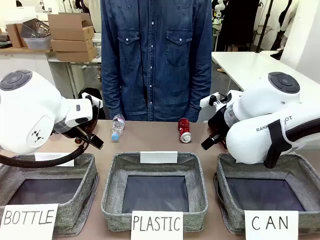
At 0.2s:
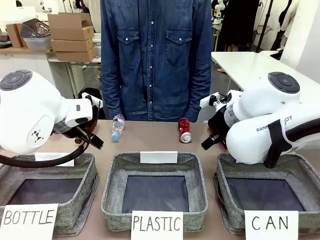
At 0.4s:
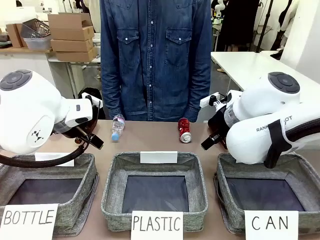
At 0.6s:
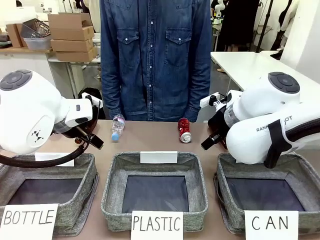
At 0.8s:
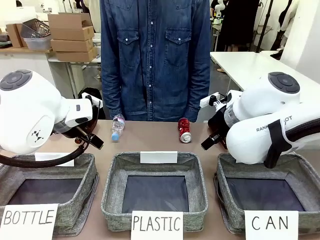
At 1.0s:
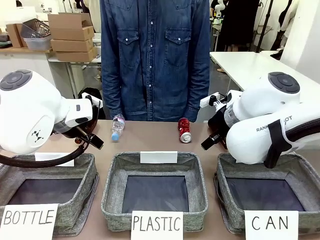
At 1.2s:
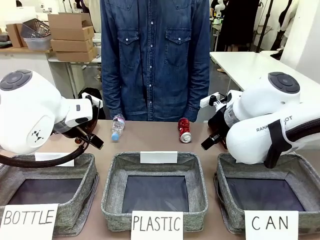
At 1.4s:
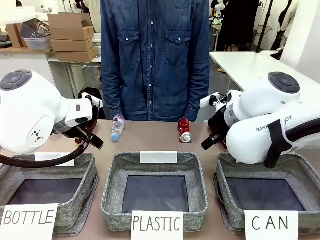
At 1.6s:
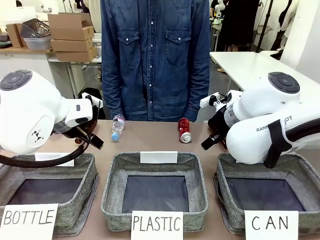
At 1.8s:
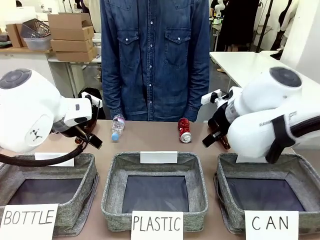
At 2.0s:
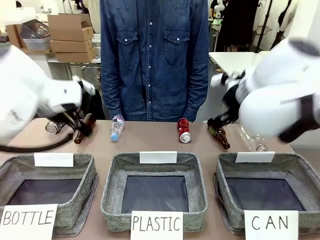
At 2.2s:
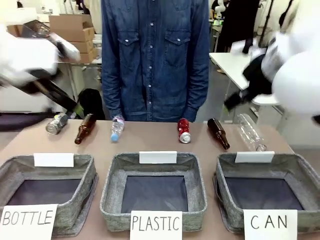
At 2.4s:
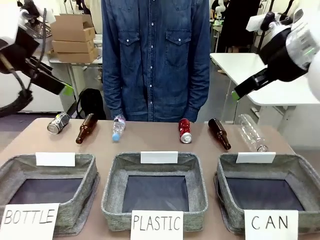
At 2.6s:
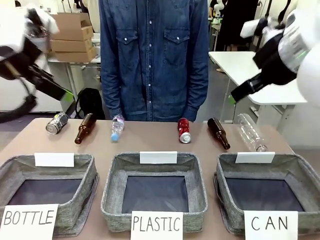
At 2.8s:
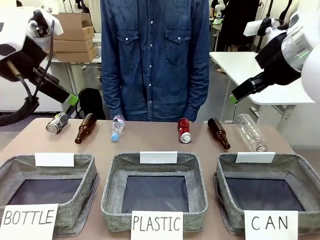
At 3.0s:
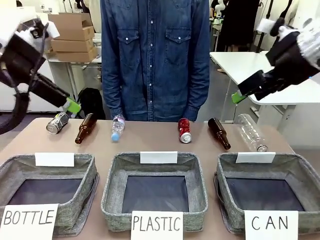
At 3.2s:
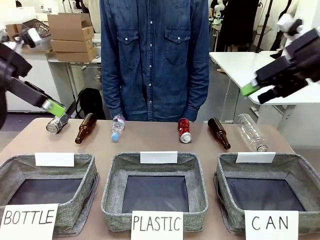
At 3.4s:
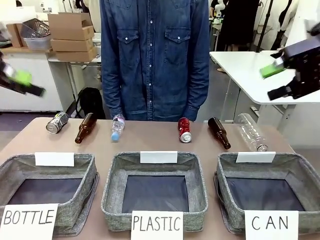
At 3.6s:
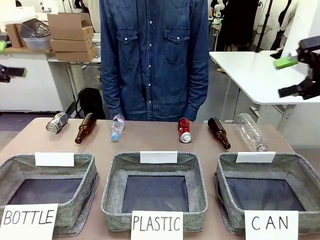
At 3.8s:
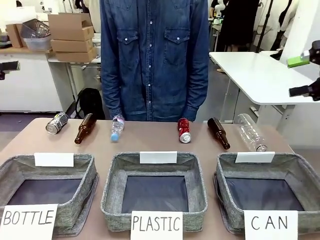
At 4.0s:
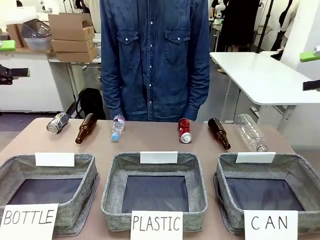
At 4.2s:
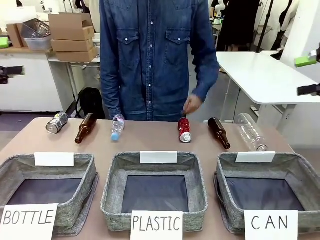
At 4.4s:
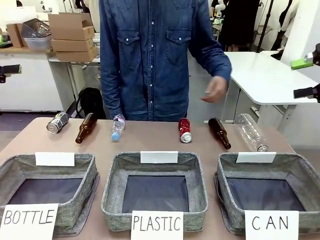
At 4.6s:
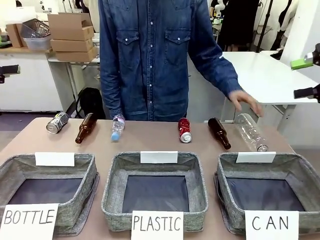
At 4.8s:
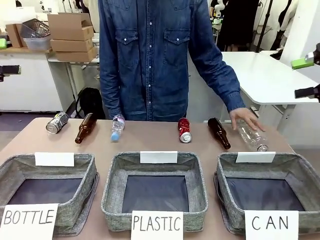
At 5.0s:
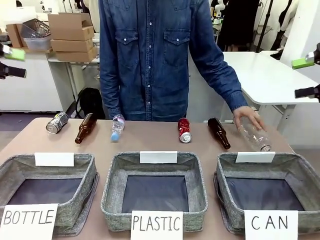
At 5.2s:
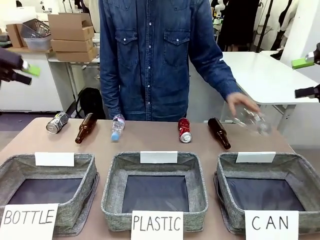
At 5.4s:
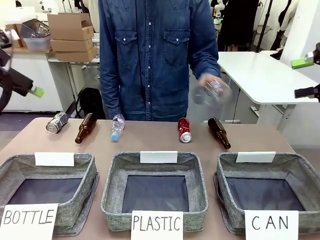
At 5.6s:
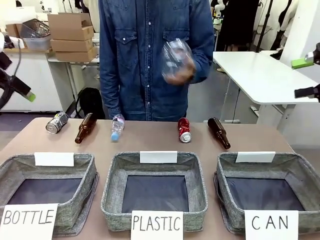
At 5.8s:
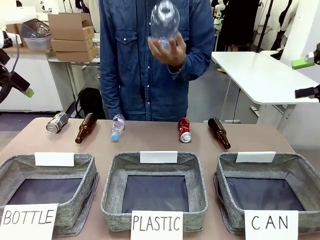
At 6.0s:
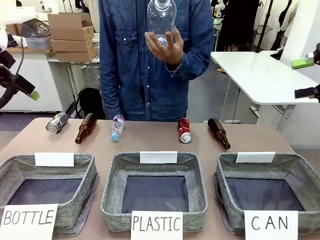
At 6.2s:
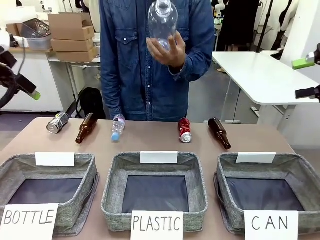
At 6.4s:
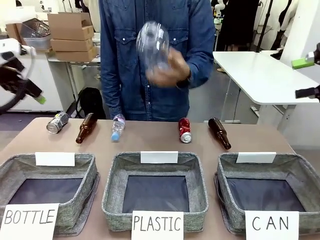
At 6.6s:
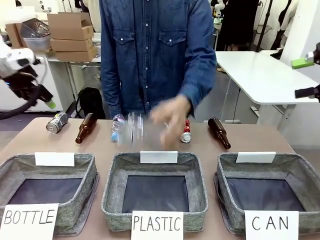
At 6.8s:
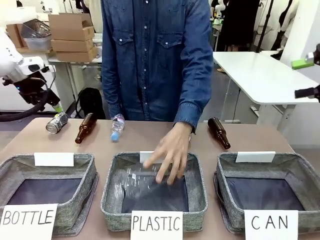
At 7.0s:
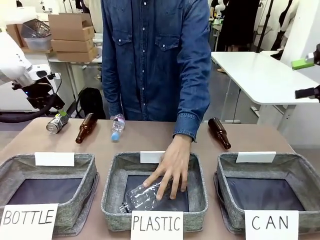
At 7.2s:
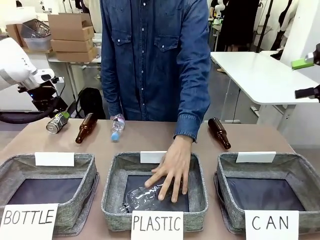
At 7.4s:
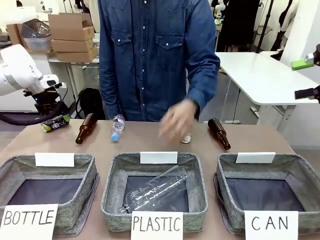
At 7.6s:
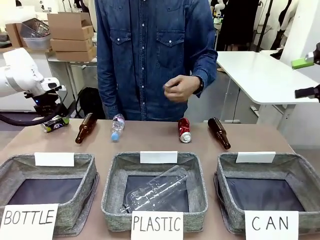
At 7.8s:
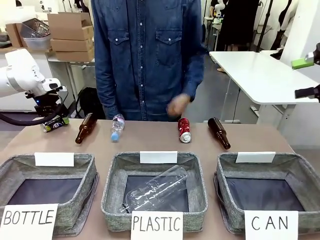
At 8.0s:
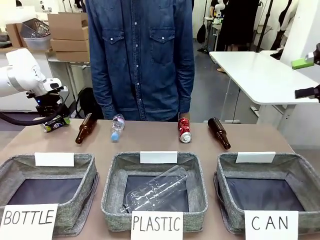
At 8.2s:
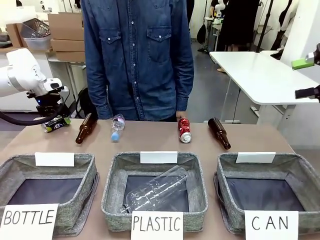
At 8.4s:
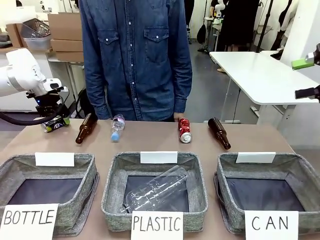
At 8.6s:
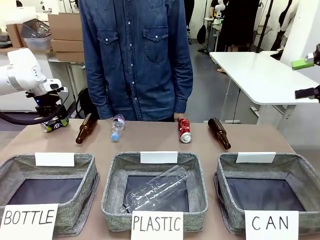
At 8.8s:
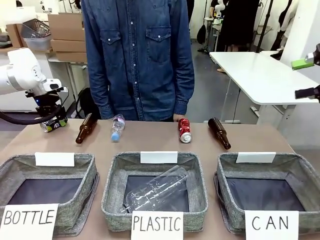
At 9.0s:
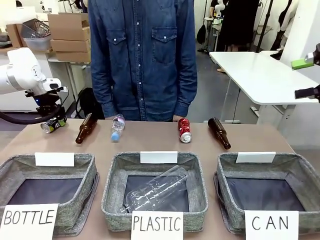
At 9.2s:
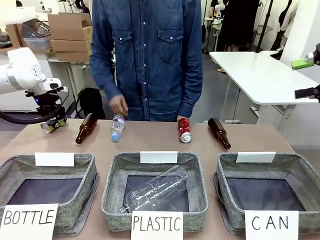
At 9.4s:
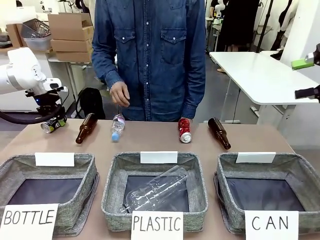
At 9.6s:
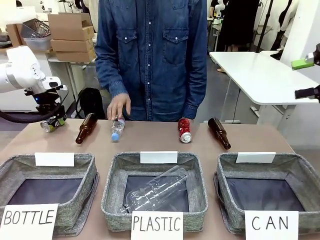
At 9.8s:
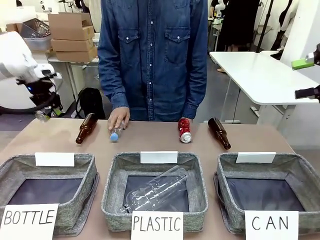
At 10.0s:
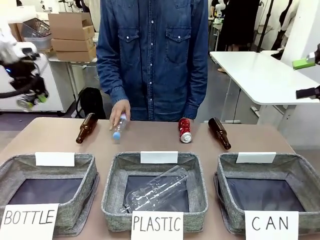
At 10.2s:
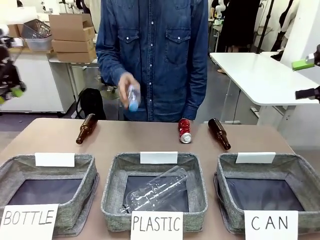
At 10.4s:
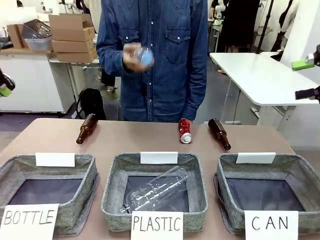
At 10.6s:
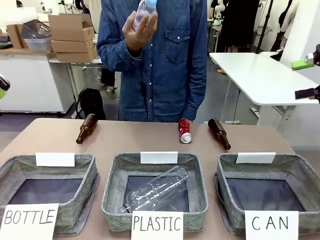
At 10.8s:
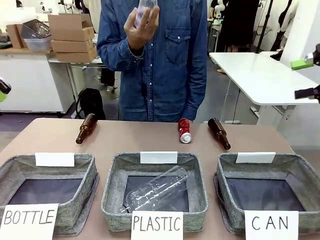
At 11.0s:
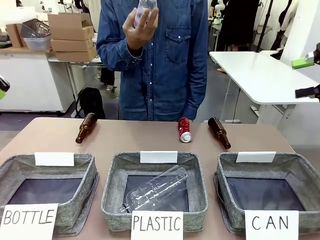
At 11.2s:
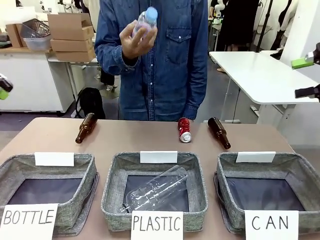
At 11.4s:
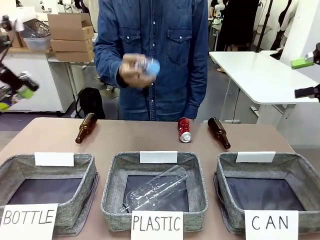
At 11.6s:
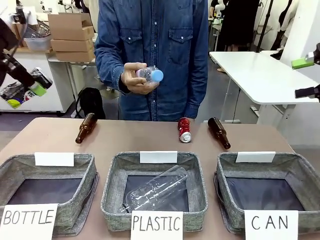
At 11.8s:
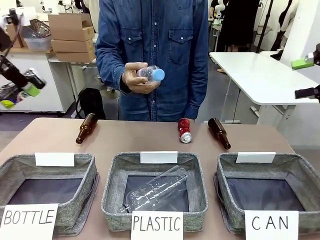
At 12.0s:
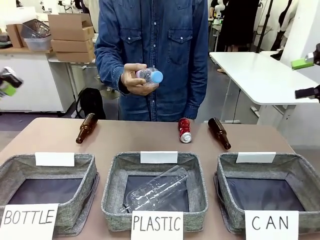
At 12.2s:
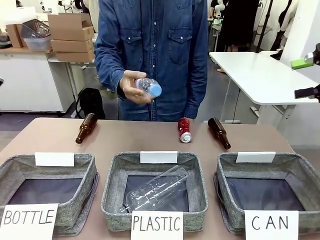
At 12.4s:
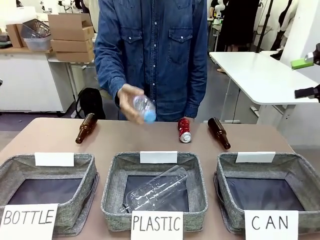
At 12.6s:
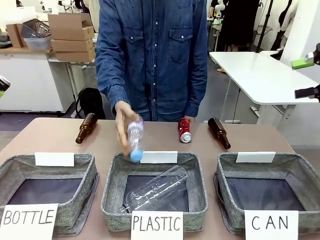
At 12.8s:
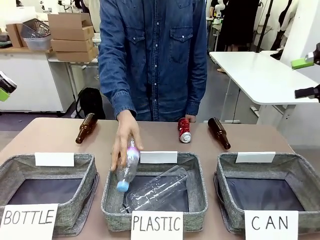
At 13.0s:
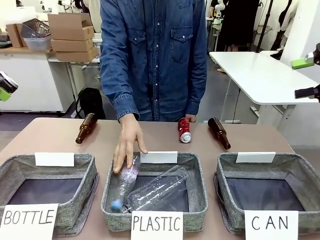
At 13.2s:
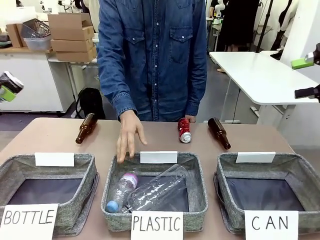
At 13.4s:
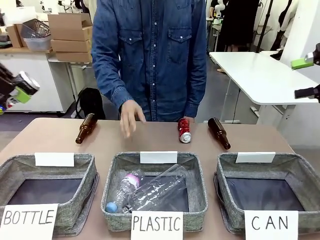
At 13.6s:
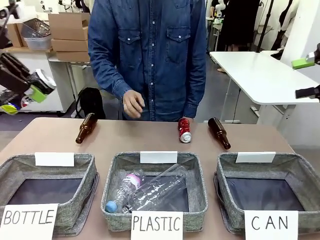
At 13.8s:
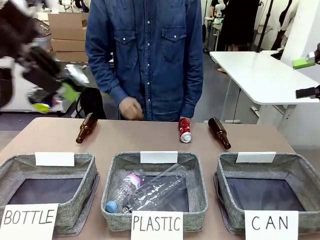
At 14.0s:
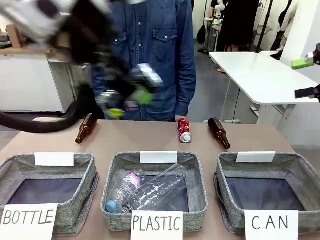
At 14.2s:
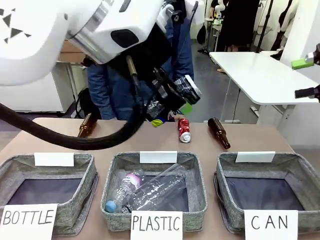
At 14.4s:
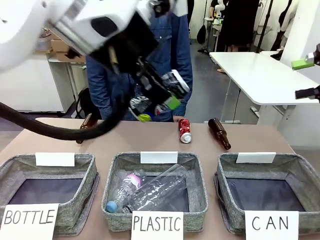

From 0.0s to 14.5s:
Task: Sort the can waste into the basket.
Robot: Pick up the can waste from the table and place it in the right Fabric basket.
